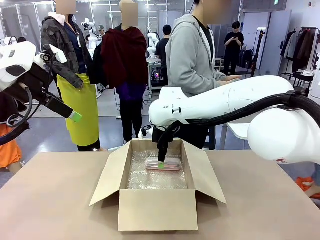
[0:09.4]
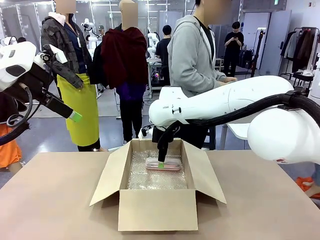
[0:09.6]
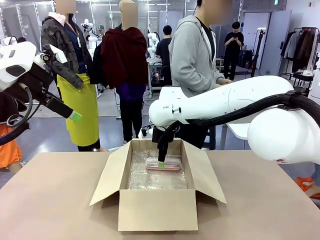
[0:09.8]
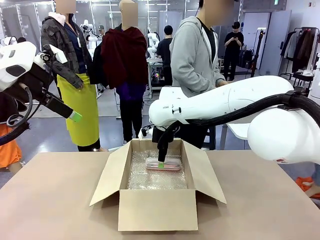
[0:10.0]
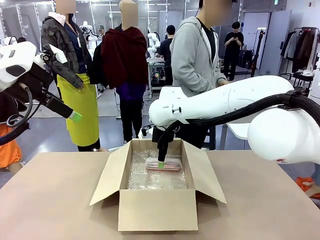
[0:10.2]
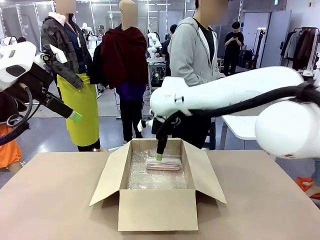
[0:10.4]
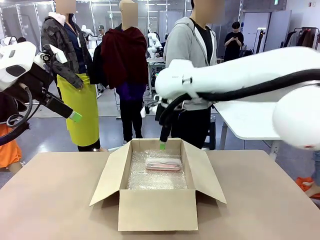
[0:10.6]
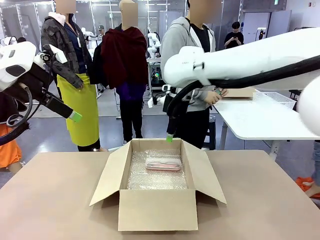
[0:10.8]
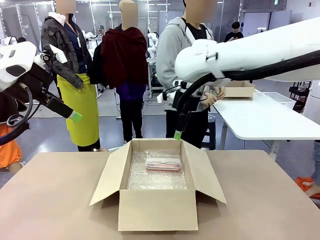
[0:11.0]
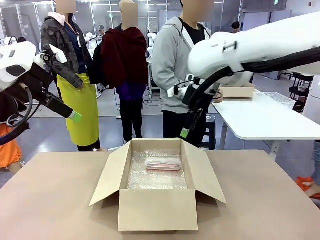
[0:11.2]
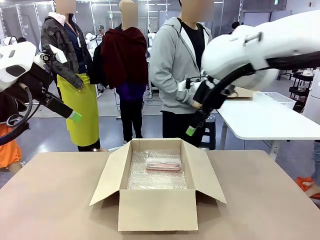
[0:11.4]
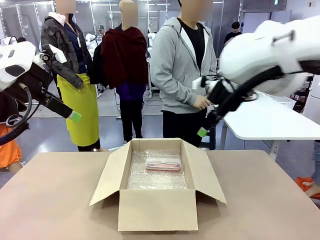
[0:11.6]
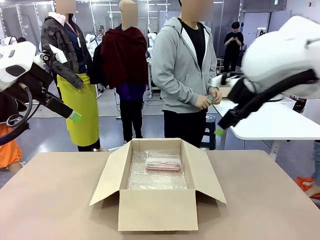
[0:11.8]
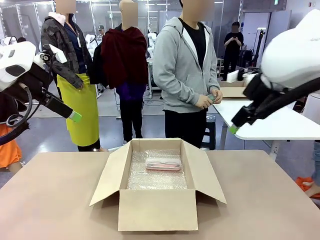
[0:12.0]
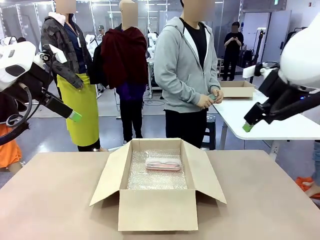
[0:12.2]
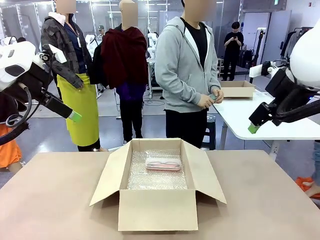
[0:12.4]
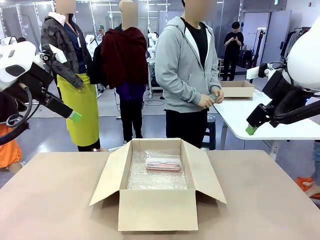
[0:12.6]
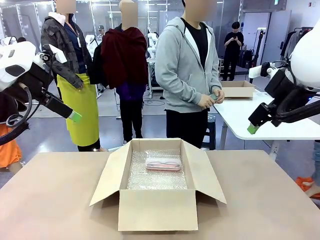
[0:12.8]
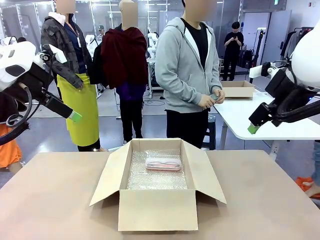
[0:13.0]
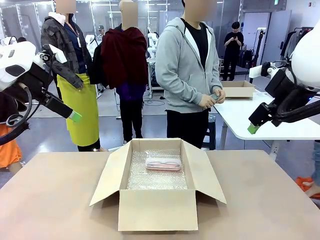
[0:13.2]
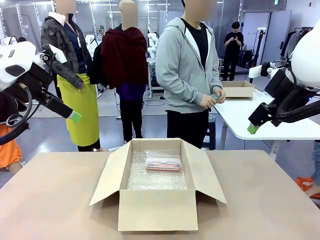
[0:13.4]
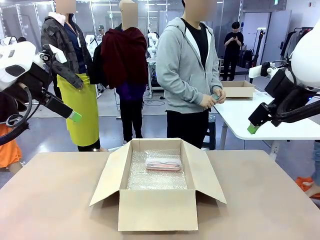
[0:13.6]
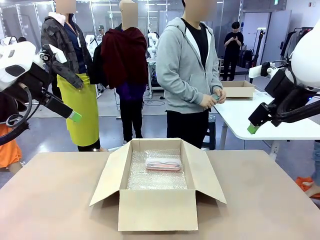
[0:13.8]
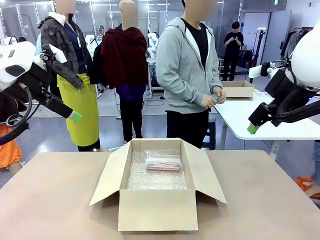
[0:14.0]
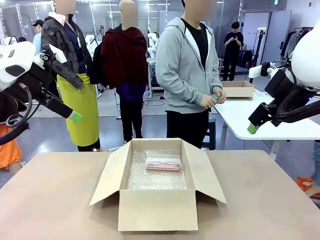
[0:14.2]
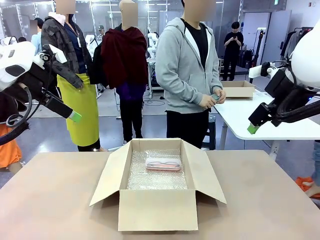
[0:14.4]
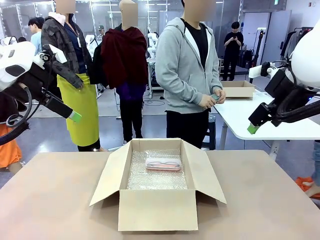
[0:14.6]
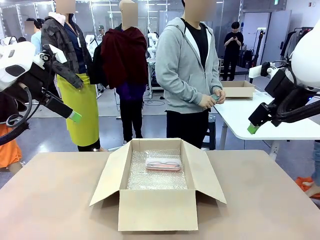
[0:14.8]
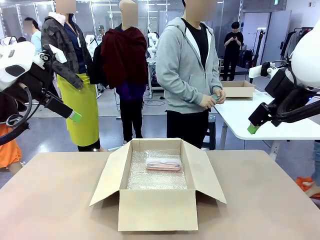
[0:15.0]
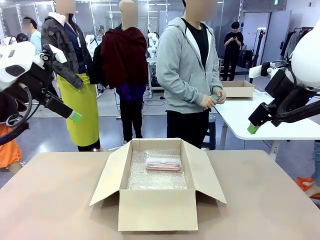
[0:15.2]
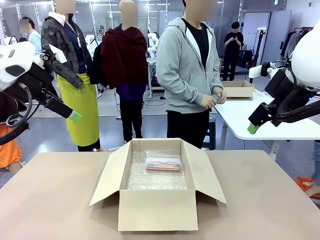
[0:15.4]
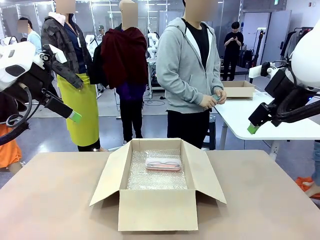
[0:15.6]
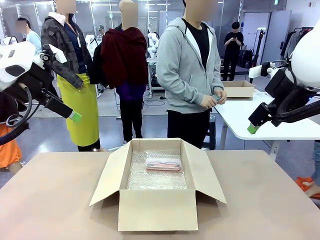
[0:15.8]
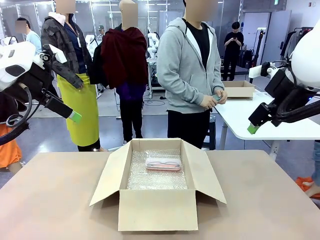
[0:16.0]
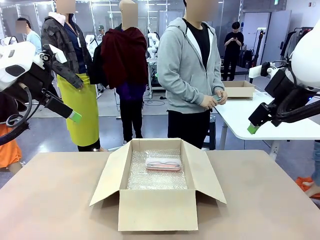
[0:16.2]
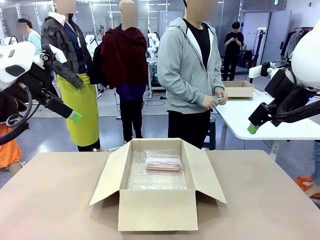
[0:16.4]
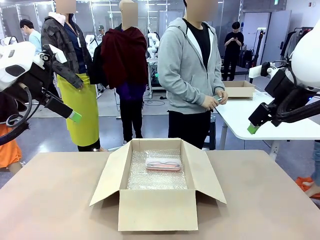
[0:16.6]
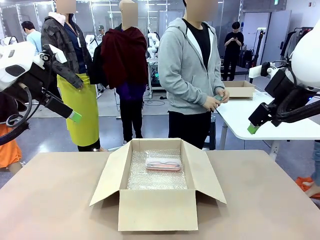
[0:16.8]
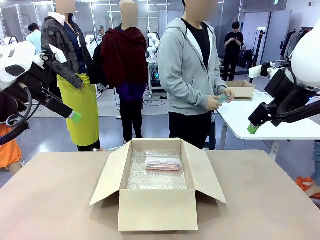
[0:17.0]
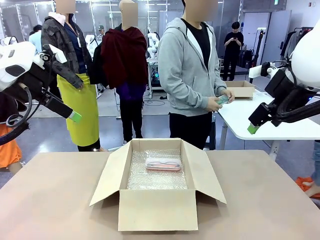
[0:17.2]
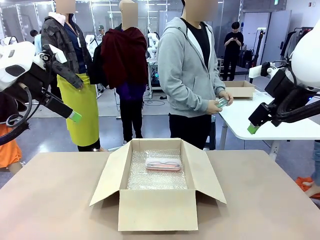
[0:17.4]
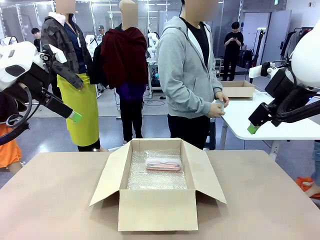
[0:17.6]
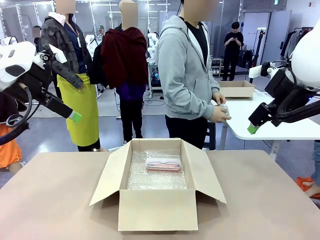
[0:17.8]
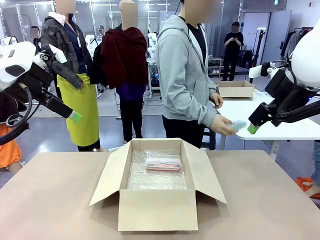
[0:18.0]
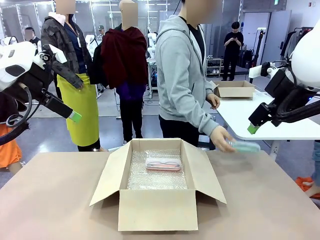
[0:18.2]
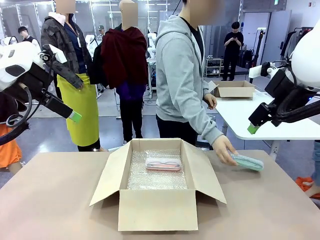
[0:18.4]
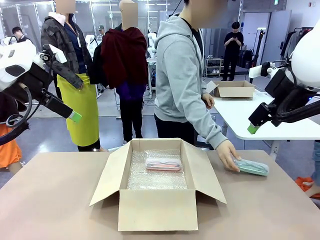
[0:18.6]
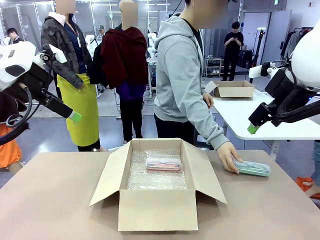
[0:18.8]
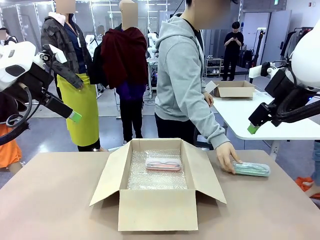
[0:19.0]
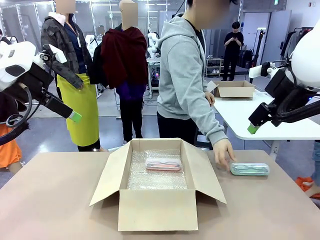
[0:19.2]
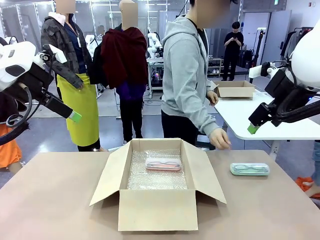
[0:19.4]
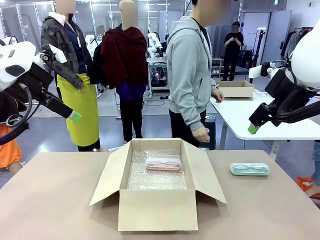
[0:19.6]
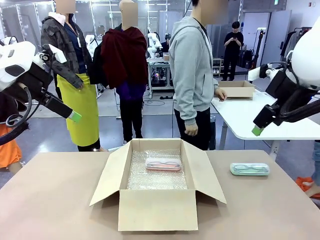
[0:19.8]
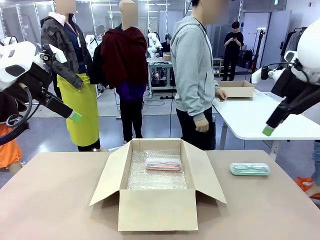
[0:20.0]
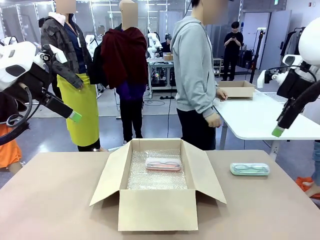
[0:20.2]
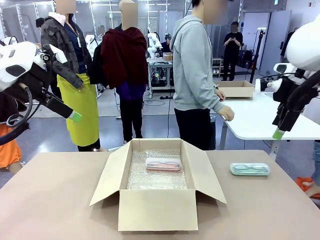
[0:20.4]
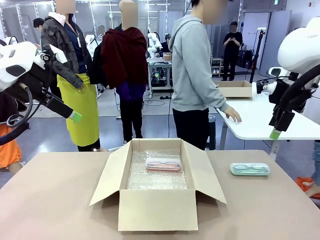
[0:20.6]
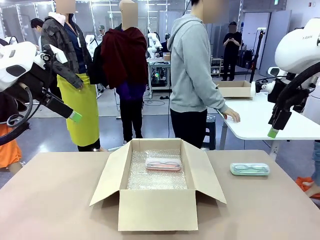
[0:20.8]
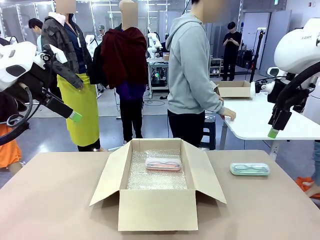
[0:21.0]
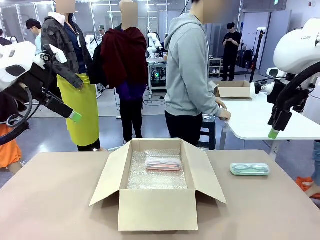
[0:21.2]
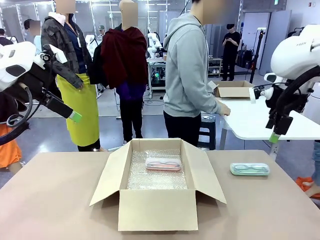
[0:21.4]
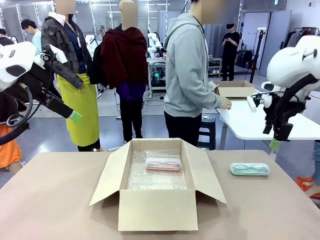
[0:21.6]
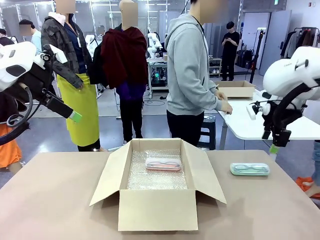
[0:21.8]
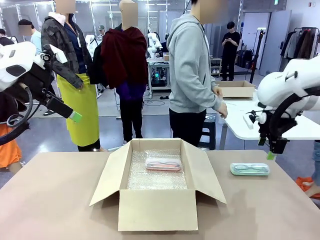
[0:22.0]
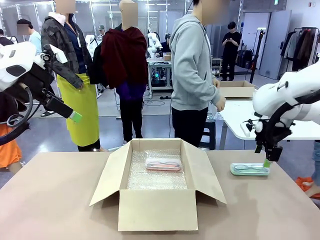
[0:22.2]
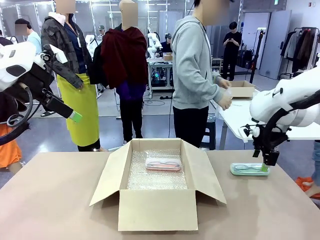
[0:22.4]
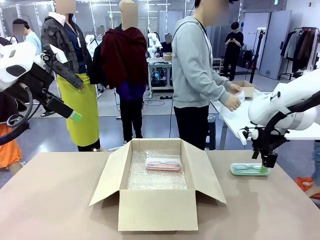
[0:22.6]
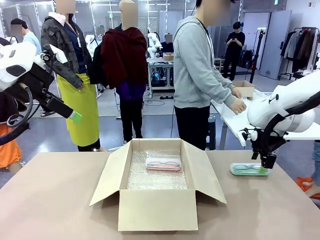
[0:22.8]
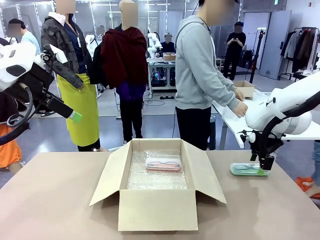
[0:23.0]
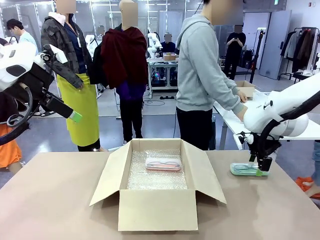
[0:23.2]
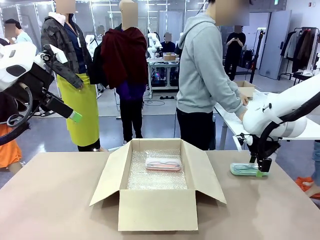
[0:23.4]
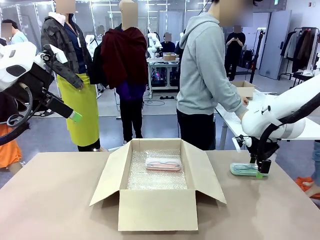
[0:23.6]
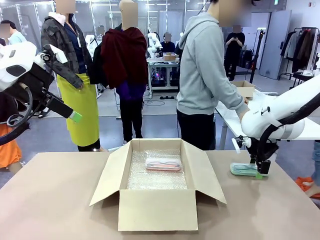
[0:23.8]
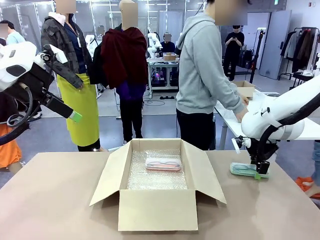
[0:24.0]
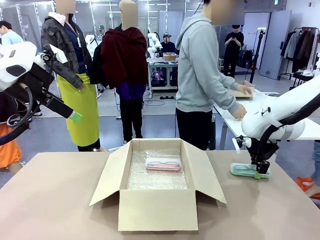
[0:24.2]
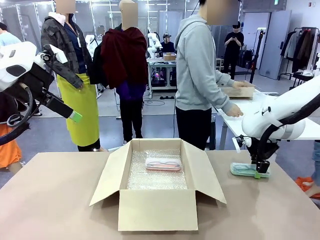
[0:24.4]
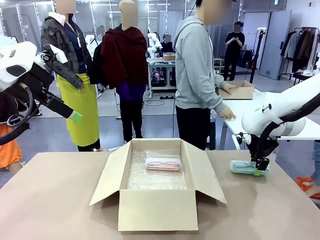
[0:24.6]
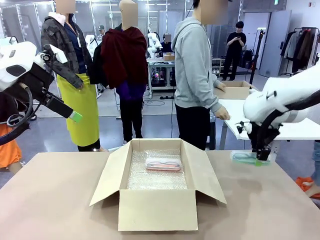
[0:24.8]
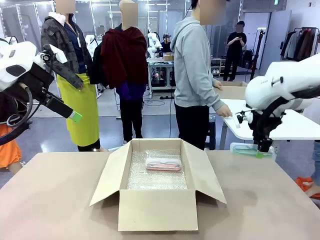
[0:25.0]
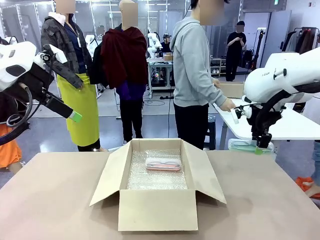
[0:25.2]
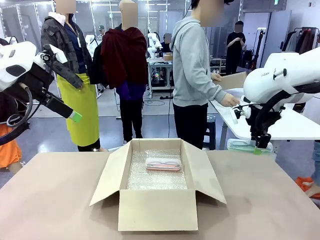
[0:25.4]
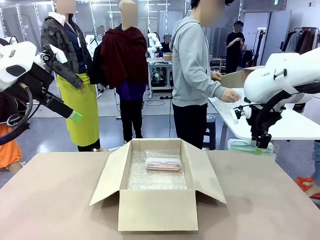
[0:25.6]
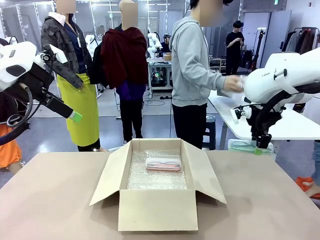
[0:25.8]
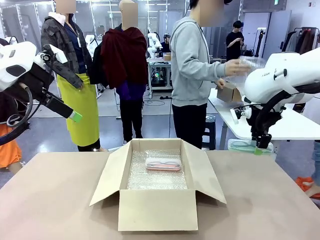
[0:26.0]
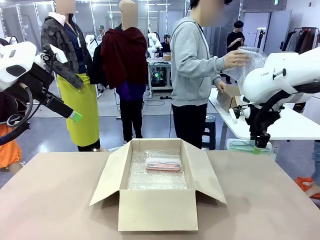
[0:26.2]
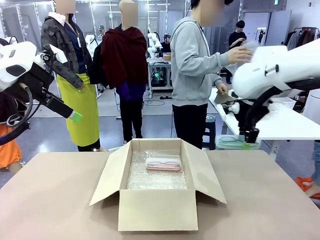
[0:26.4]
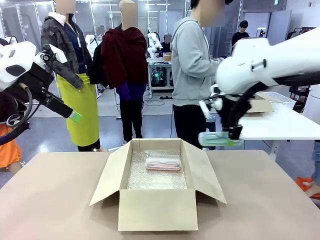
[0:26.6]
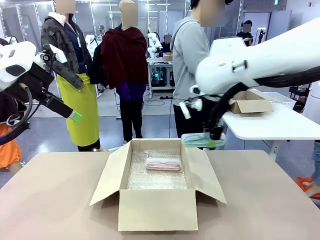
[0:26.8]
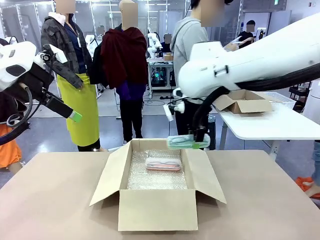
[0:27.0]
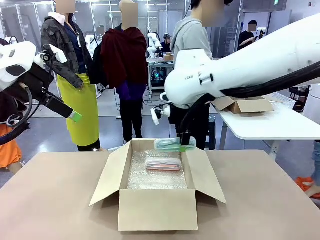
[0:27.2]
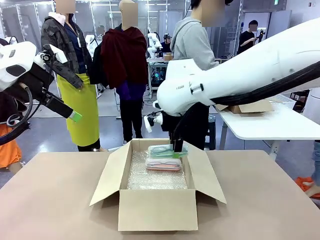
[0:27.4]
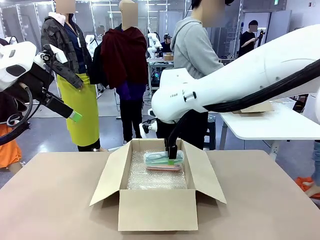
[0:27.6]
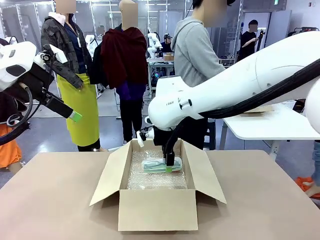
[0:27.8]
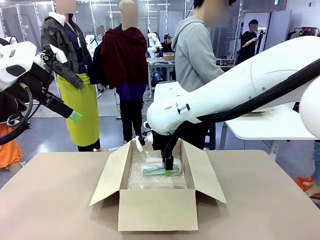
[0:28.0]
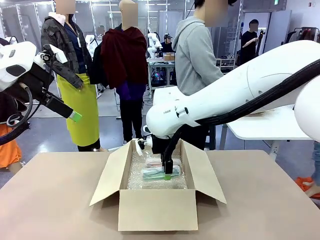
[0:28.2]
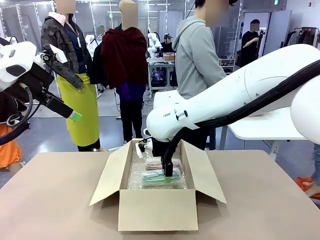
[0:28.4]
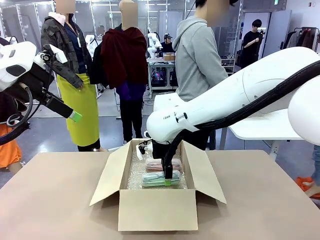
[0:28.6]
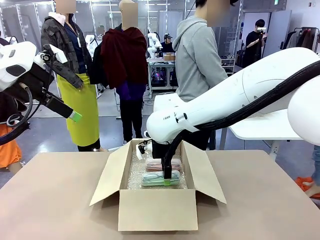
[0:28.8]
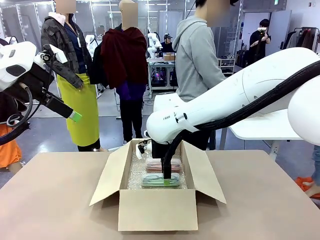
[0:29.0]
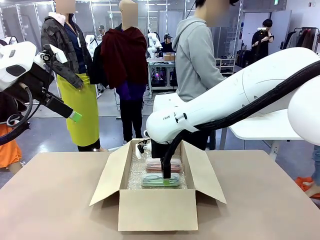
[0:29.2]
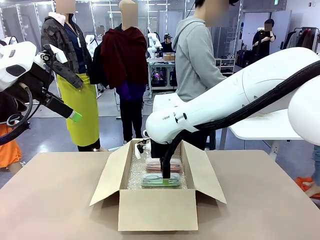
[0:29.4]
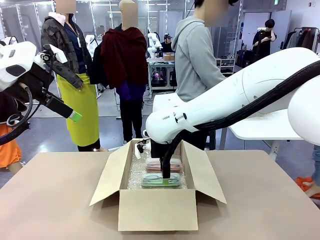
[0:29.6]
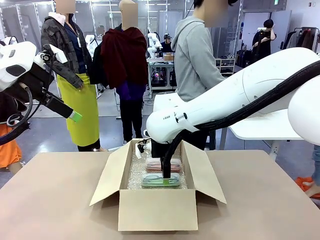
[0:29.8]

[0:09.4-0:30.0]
Task: Pack the glasses set securely to prepare it for shipping.
Robot: Put the Glasses case from the right side of the table into the Package Box.
Person: Position the Glasses case on the left side of the robot's table.
